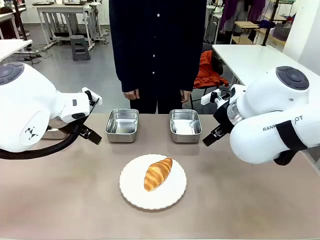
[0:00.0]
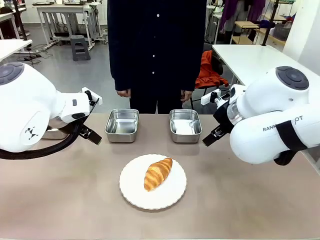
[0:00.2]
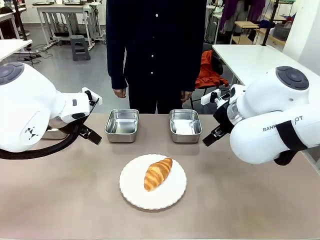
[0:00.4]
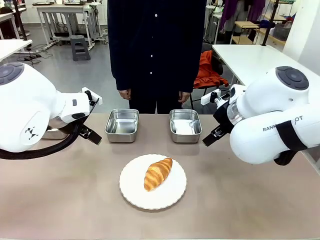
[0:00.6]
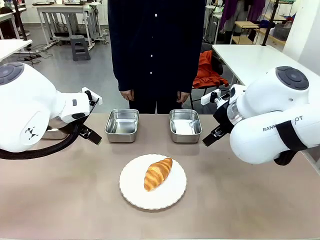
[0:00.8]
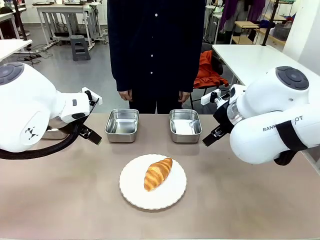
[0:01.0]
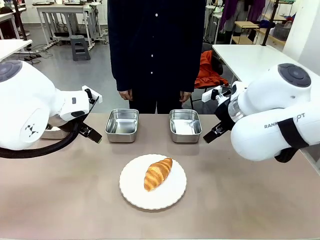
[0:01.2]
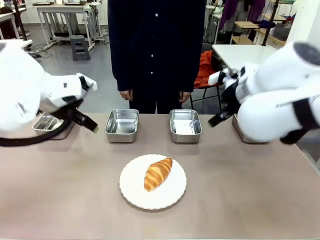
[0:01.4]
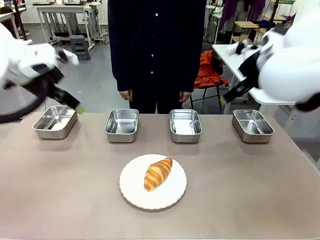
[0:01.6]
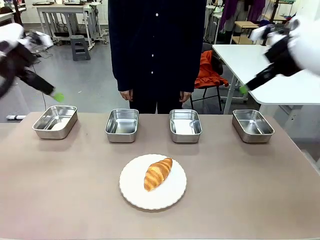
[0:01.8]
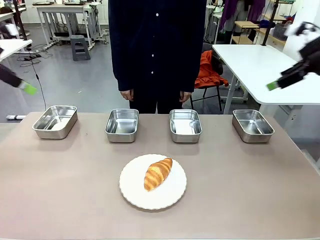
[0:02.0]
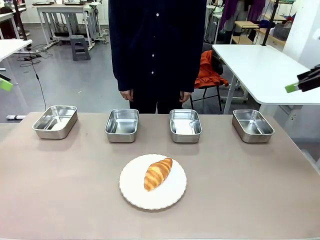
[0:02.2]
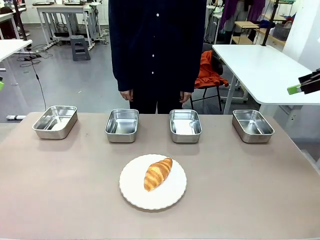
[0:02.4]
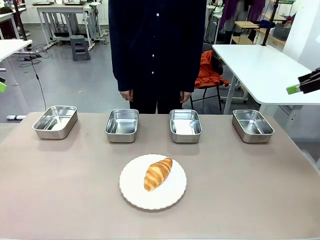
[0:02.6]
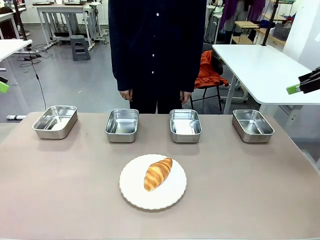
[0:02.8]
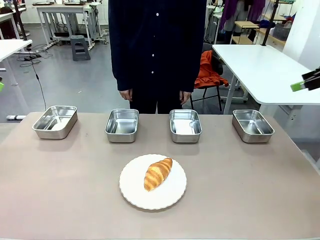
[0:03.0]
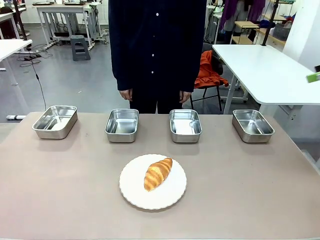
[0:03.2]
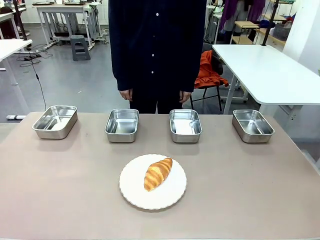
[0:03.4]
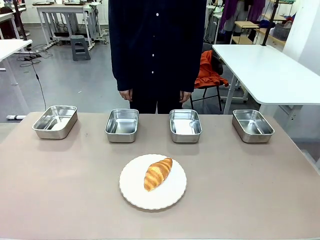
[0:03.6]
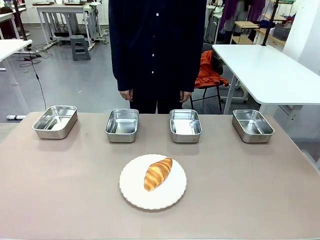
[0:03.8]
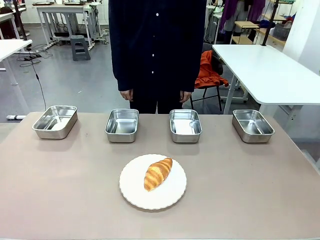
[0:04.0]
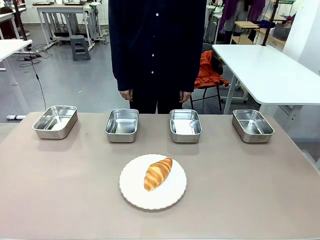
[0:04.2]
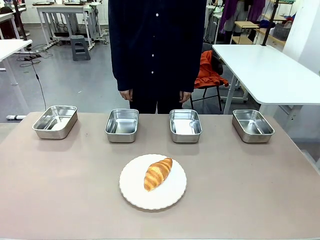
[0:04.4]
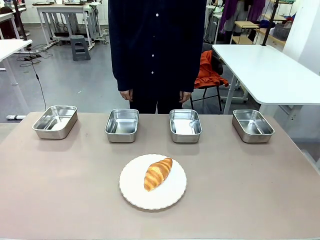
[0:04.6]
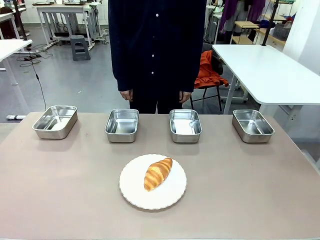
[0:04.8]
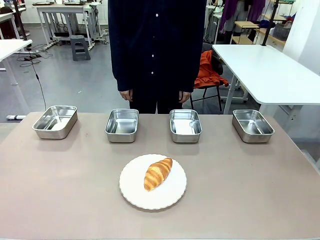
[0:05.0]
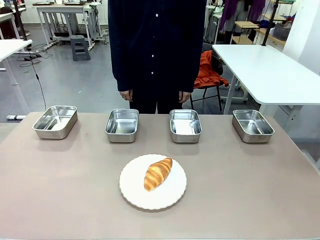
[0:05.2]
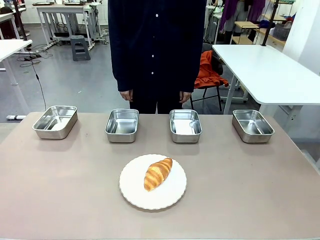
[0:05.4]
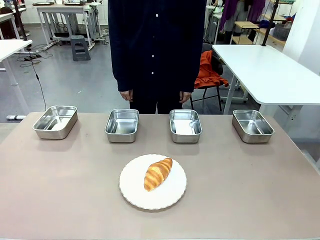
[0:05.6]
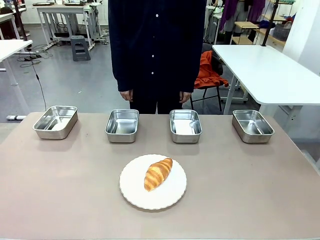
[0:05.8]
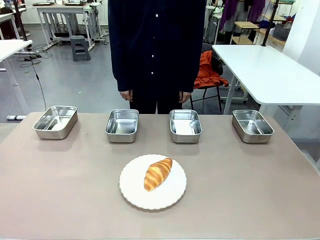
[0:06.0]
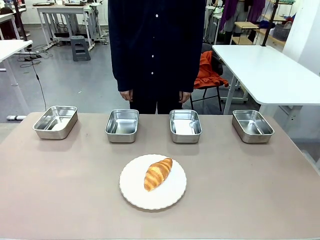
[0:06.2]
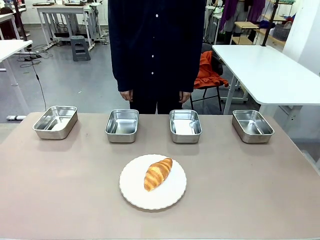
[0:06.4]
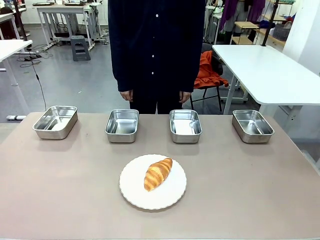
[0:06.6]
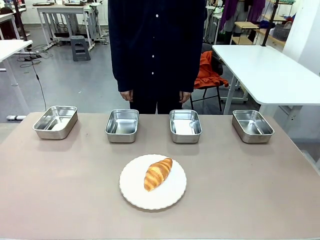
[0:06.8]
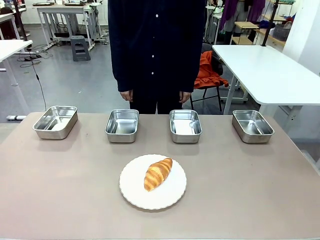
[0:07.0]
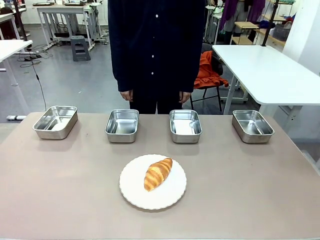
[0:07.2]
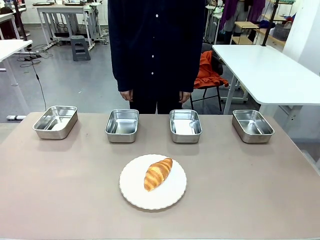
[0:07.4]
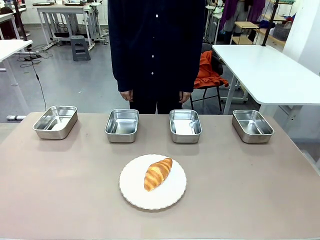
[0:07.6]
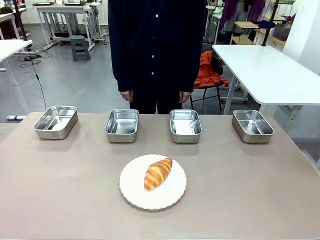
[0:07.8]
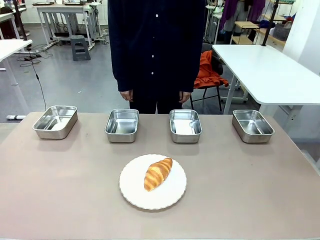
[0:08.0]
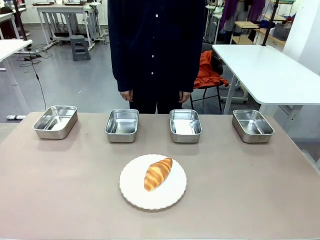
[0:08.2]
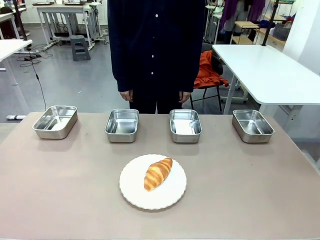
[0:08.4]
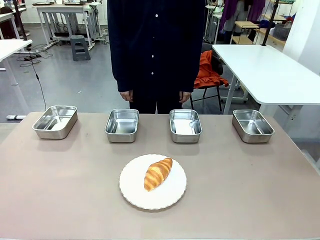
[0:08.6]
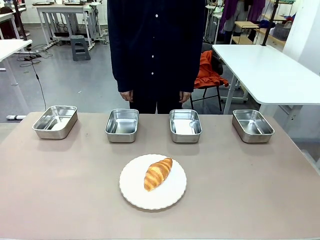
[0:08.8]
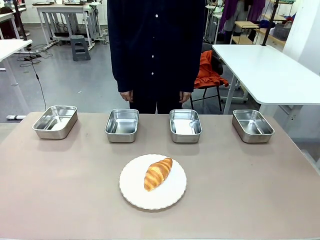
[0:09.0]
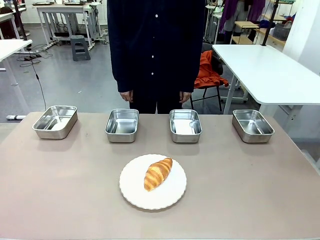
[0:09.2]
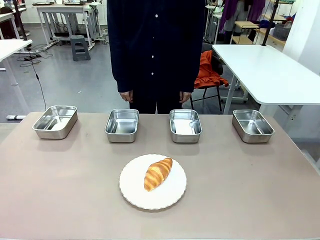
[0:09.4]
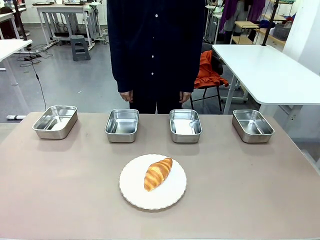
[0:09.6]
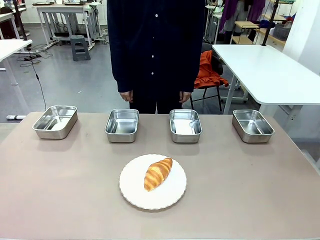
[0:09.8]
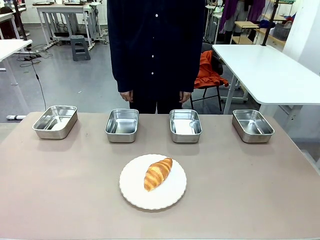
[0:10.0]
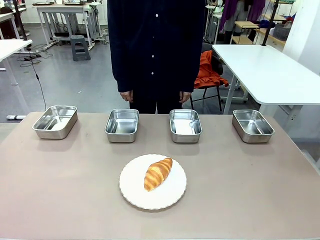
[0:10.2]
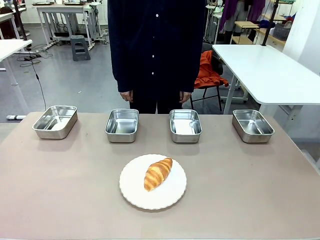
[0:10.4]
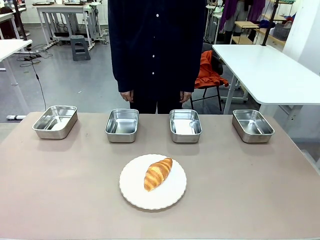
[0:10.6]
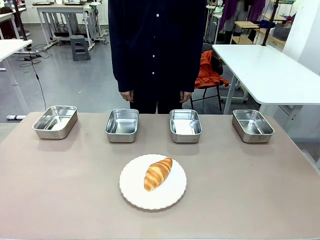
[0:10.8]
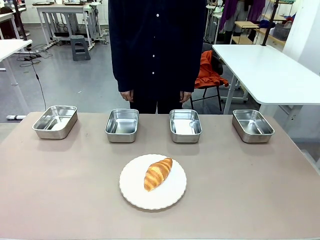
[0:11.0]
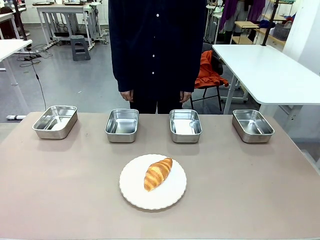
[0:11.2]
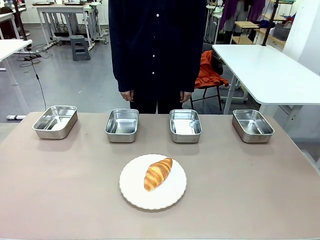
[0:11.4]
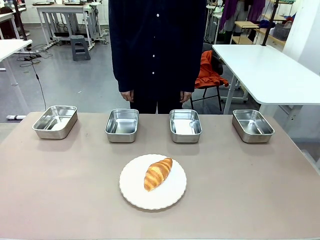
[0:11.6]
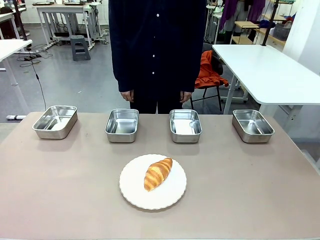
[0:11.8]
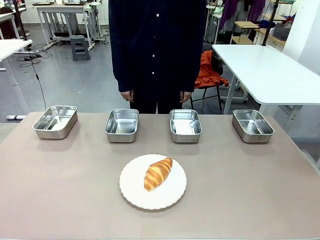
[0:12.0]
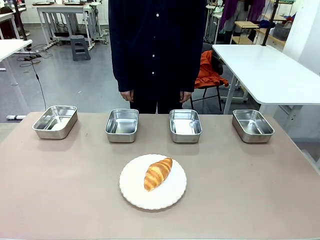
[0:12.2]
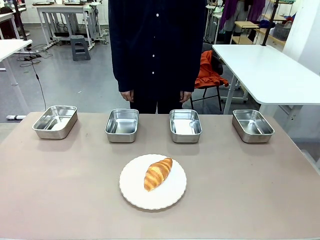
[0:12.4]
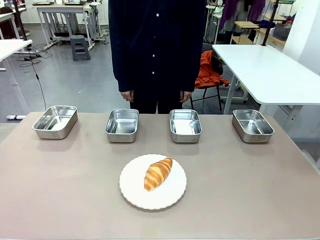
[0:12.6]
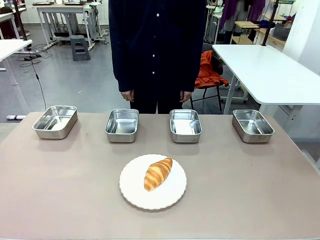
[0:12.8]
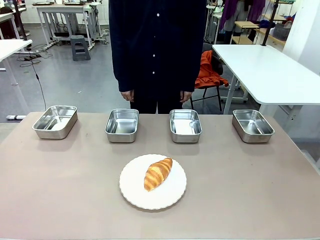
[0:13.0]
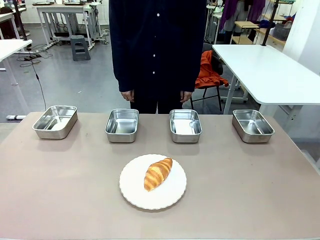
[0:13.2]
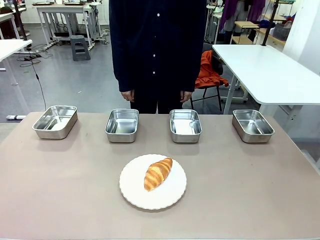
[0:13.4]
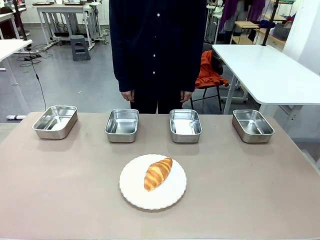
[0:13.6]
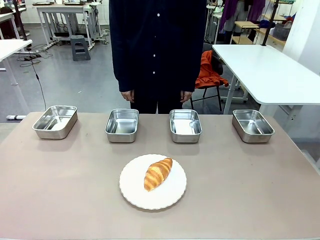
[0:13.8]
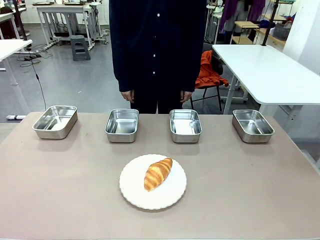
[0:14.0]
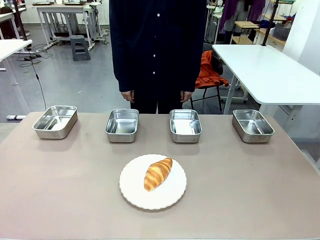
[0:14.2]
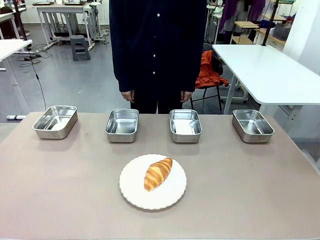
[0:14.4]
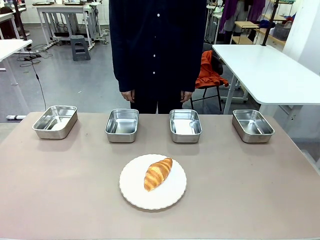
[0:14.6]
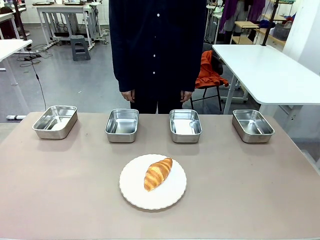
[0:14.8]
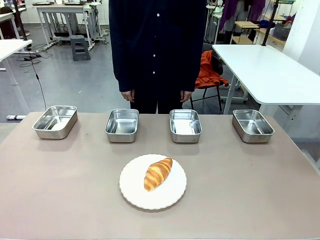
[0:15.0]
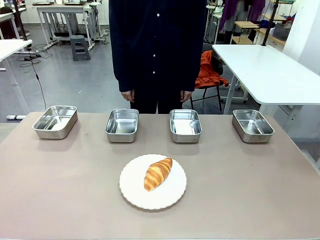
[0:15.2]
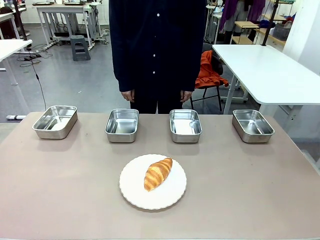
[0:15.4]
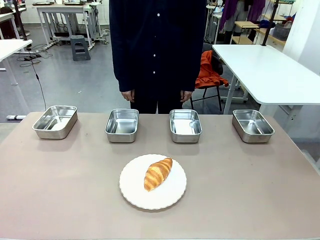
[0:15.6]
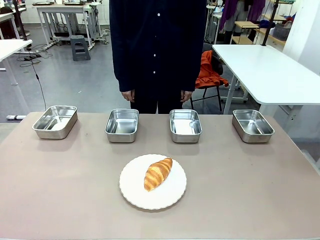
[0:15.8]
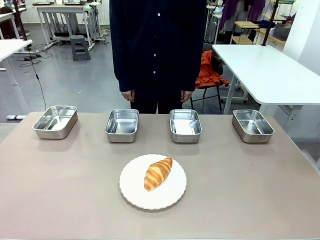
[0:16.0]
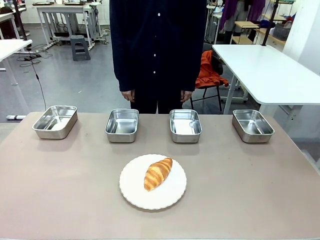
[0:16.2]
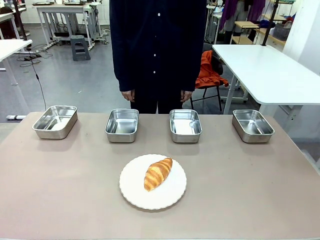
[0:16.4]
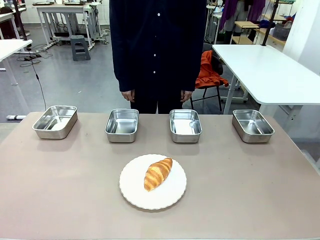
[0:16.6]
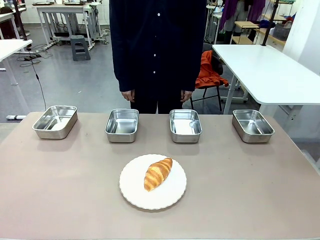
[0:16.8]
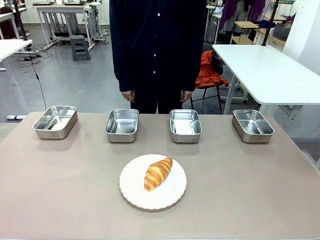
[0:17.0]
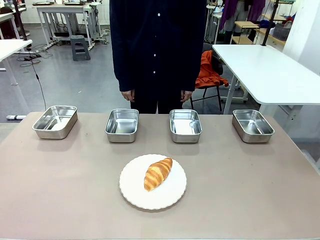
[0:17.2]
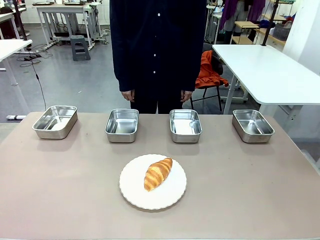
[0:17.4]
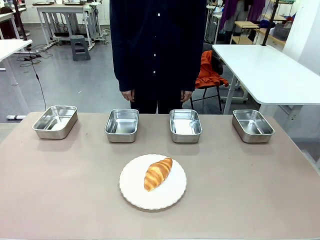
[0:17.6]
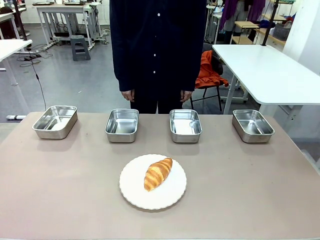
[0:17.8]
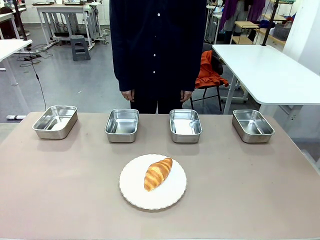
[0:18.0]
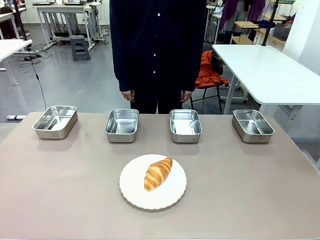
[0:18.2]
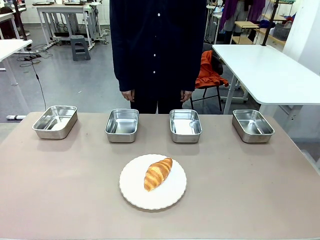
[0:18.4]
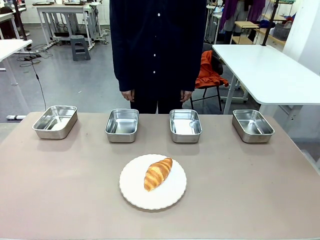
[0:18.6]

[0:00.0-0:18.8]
Task: Place the bread in the container.
Robot: Place the Butter Roll into the Airtight Container indicated by the human.
